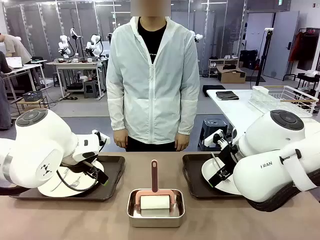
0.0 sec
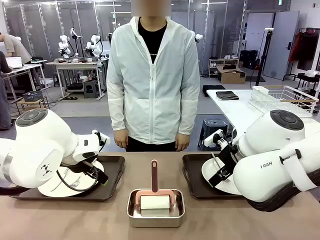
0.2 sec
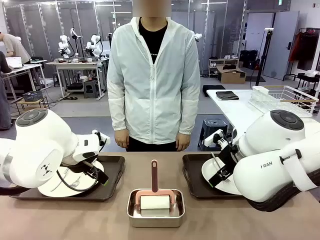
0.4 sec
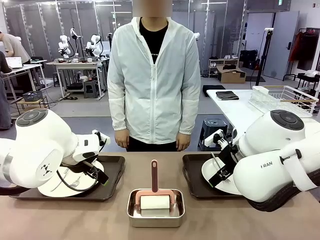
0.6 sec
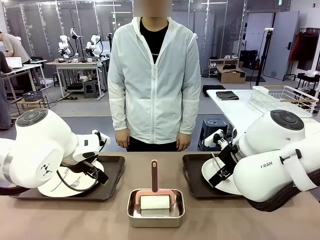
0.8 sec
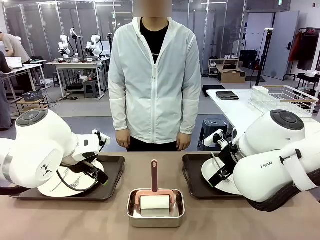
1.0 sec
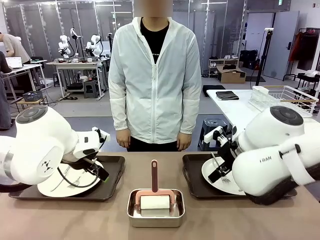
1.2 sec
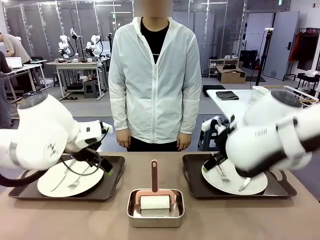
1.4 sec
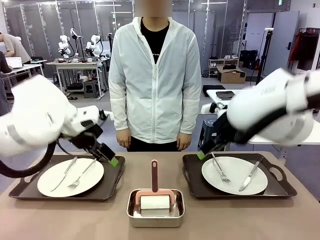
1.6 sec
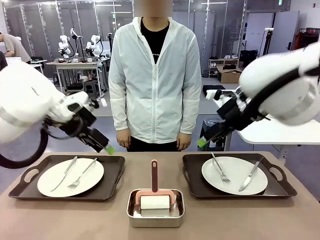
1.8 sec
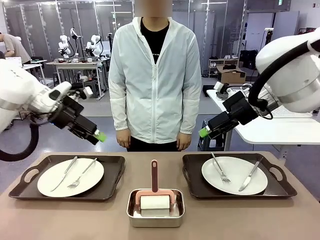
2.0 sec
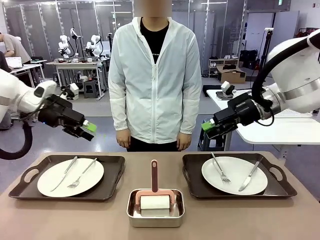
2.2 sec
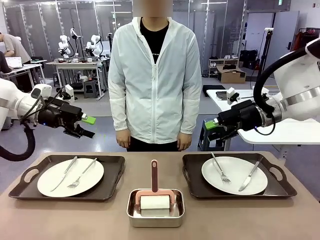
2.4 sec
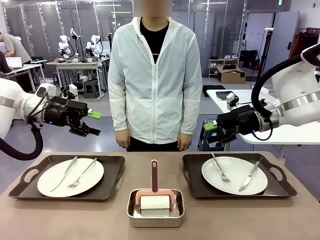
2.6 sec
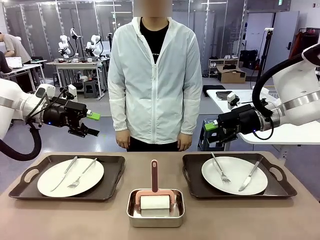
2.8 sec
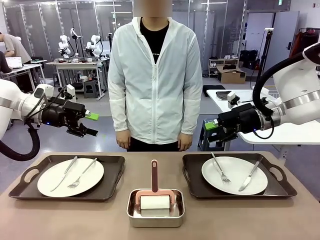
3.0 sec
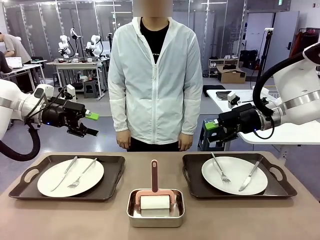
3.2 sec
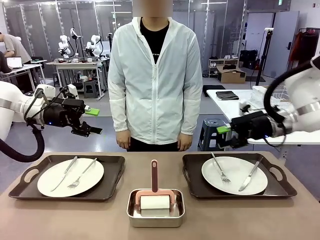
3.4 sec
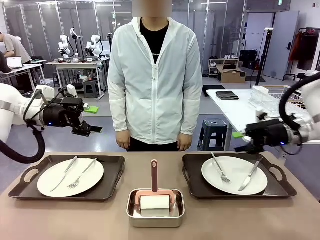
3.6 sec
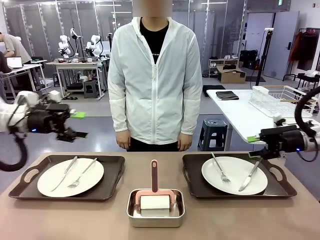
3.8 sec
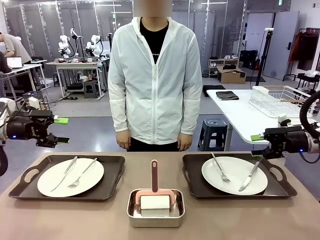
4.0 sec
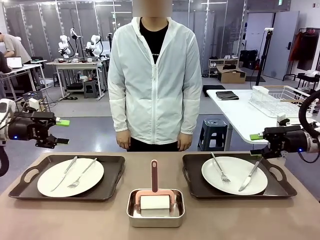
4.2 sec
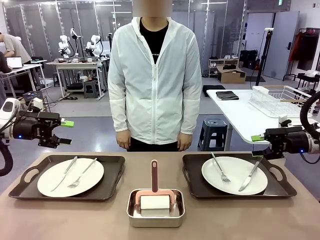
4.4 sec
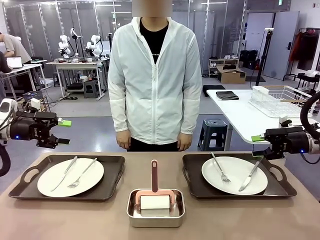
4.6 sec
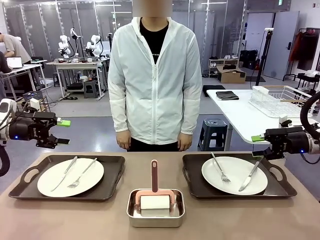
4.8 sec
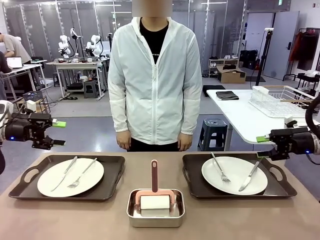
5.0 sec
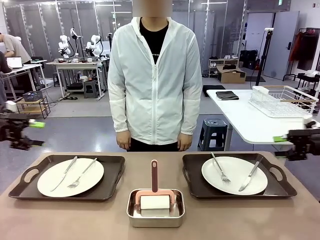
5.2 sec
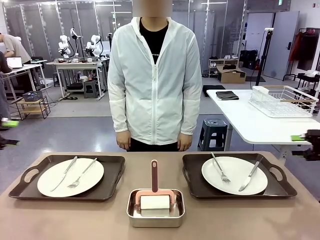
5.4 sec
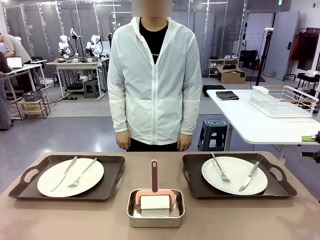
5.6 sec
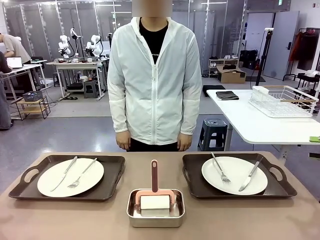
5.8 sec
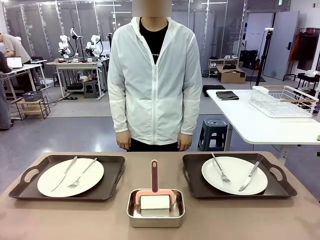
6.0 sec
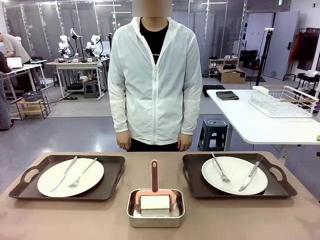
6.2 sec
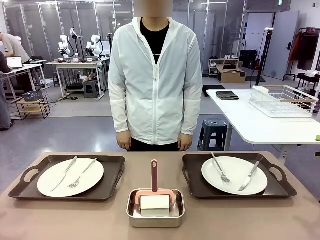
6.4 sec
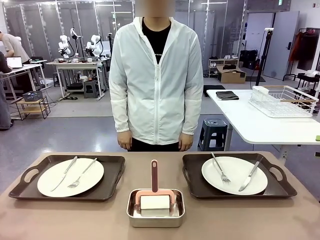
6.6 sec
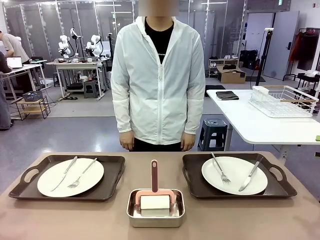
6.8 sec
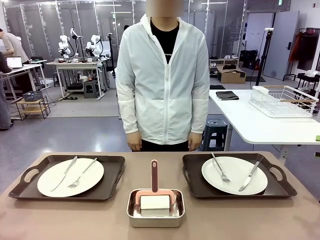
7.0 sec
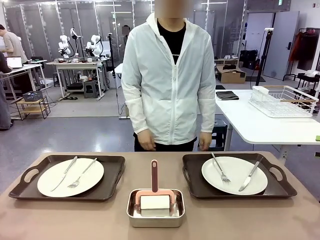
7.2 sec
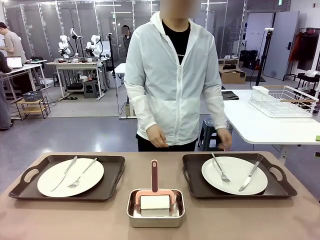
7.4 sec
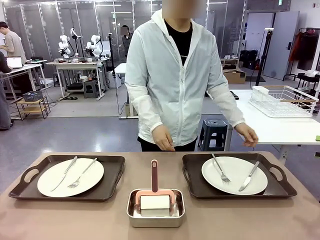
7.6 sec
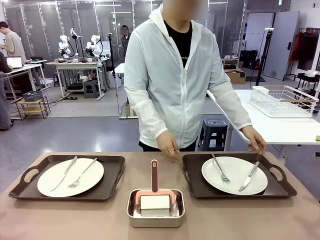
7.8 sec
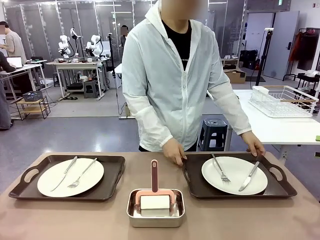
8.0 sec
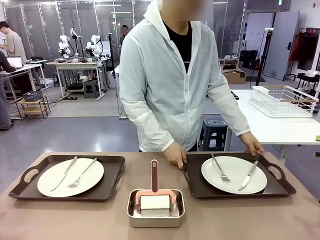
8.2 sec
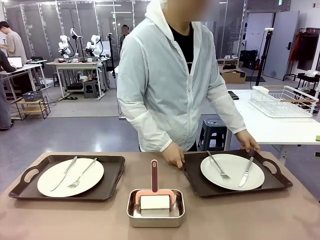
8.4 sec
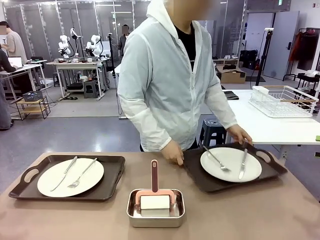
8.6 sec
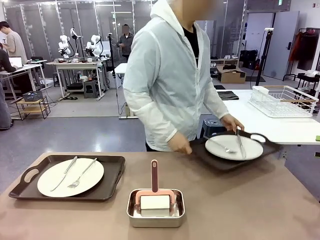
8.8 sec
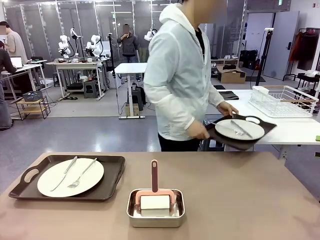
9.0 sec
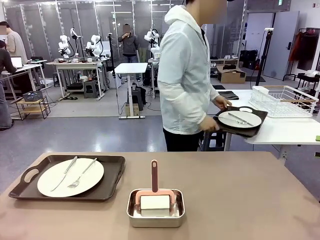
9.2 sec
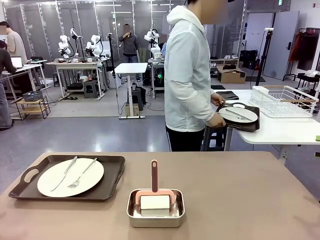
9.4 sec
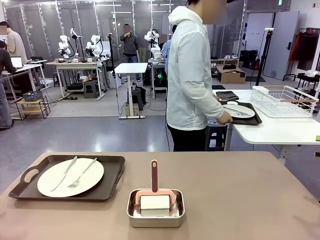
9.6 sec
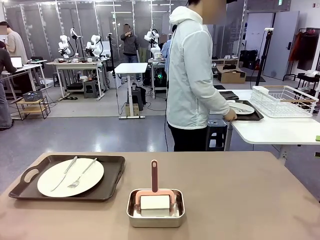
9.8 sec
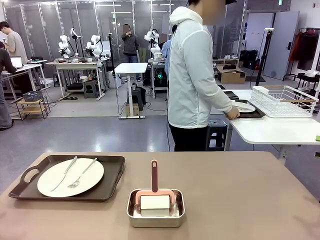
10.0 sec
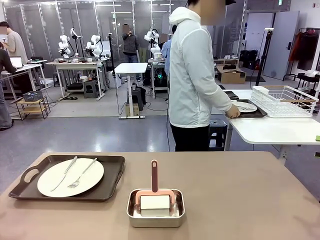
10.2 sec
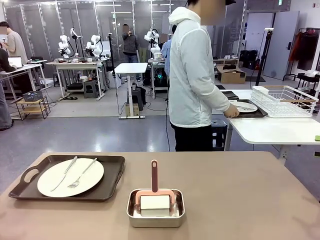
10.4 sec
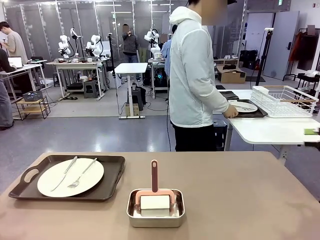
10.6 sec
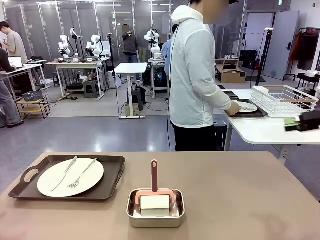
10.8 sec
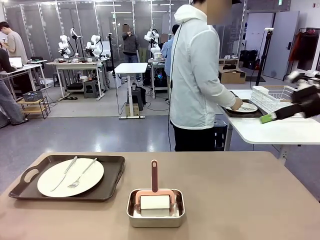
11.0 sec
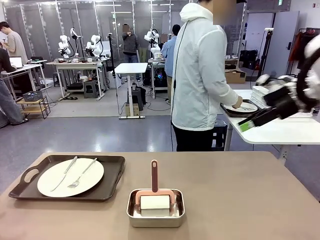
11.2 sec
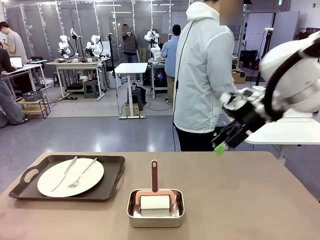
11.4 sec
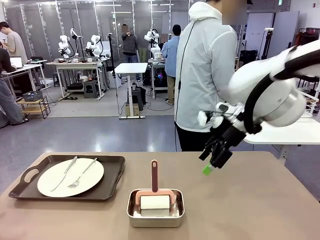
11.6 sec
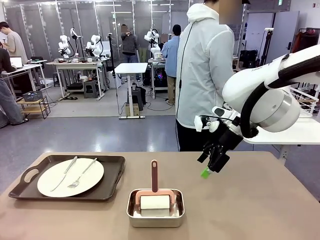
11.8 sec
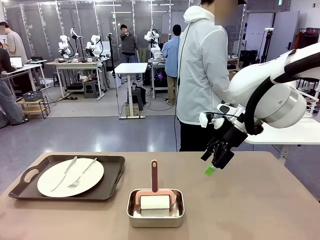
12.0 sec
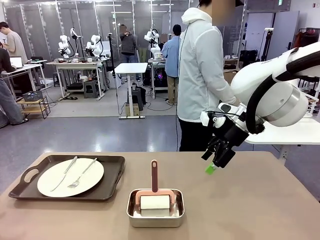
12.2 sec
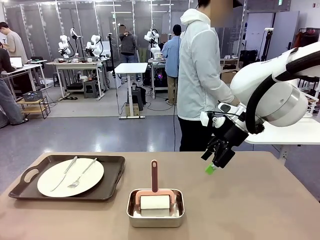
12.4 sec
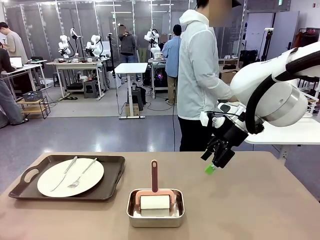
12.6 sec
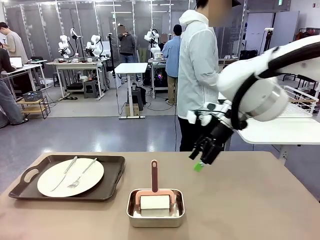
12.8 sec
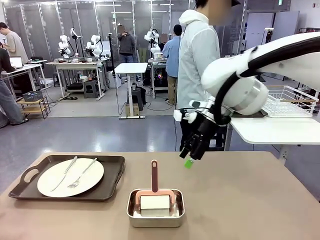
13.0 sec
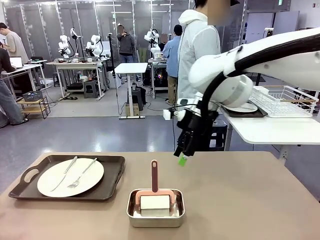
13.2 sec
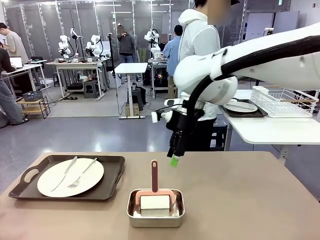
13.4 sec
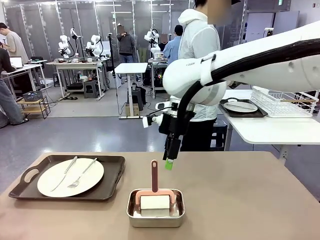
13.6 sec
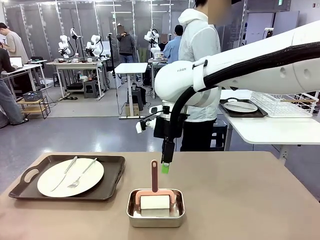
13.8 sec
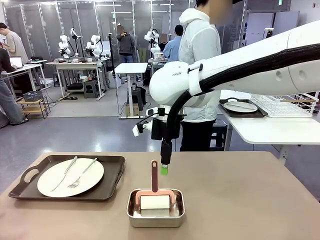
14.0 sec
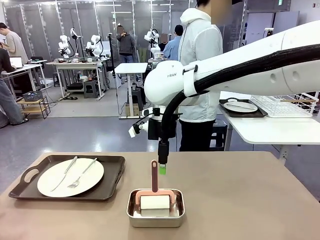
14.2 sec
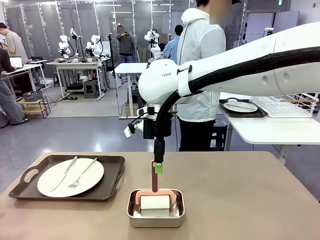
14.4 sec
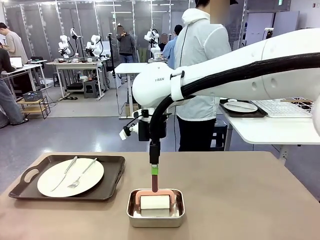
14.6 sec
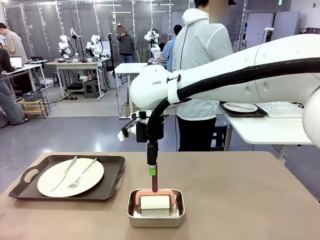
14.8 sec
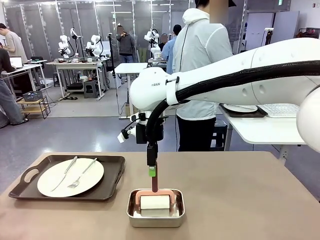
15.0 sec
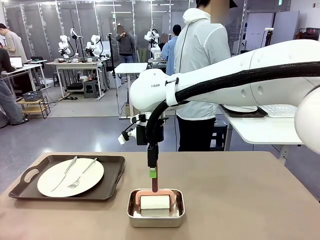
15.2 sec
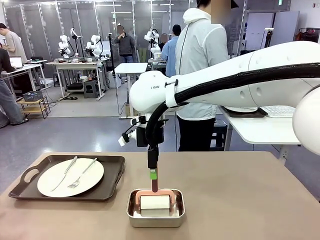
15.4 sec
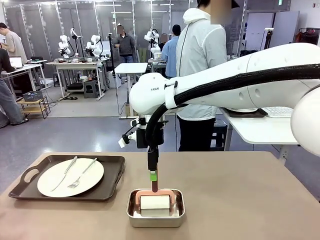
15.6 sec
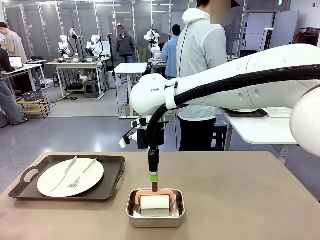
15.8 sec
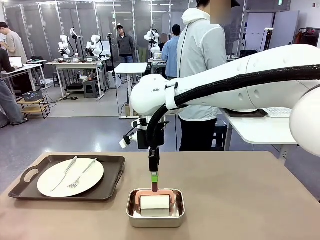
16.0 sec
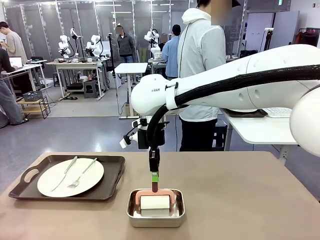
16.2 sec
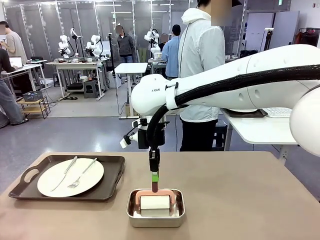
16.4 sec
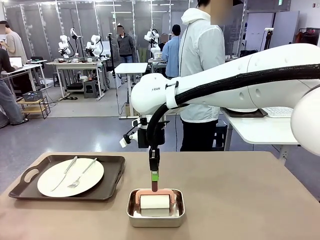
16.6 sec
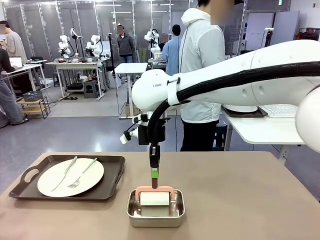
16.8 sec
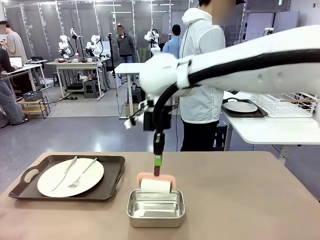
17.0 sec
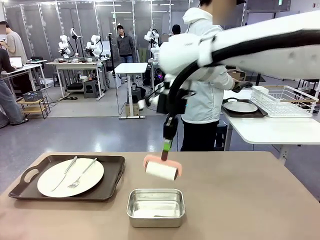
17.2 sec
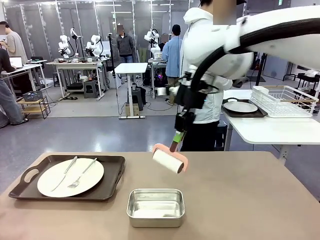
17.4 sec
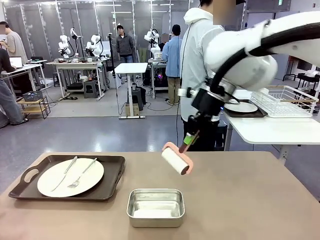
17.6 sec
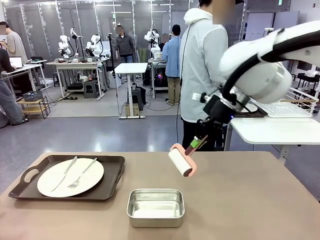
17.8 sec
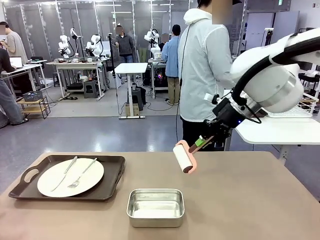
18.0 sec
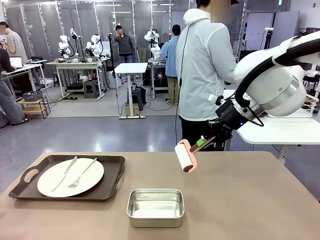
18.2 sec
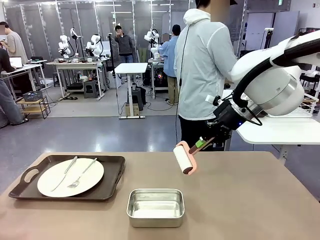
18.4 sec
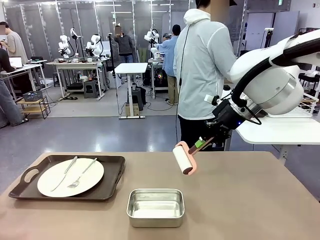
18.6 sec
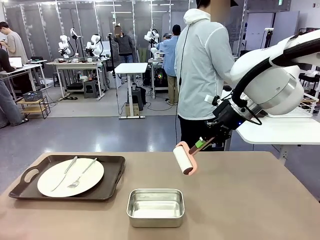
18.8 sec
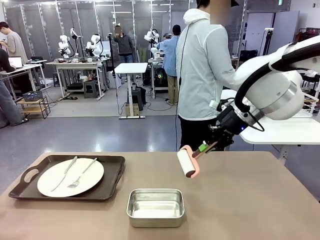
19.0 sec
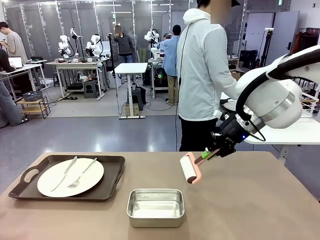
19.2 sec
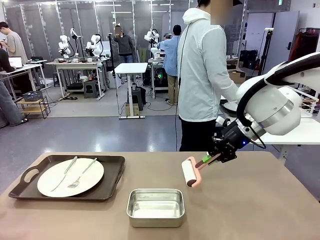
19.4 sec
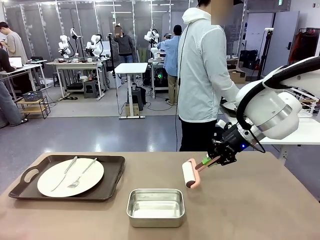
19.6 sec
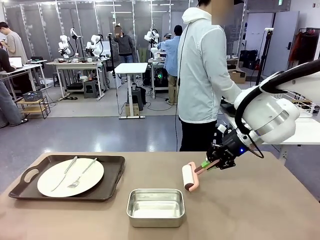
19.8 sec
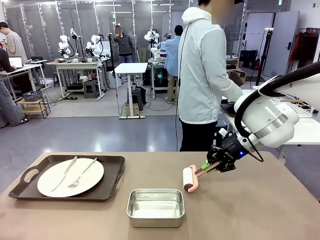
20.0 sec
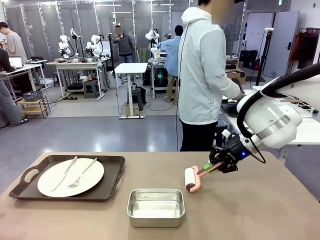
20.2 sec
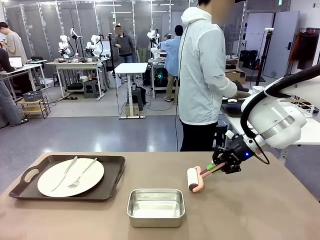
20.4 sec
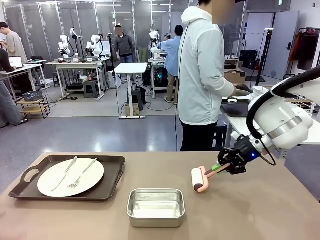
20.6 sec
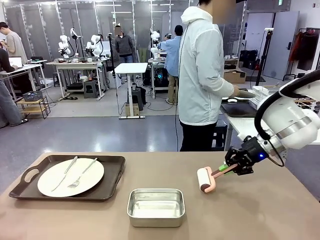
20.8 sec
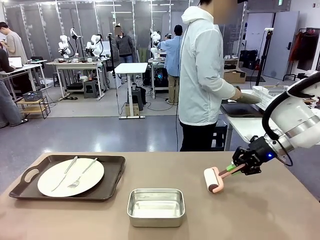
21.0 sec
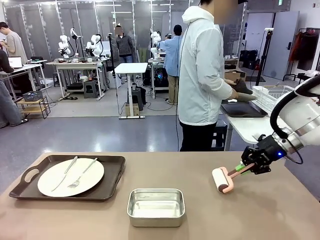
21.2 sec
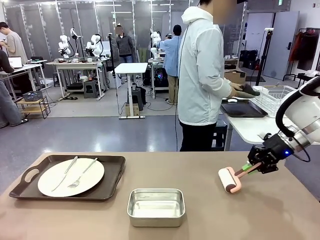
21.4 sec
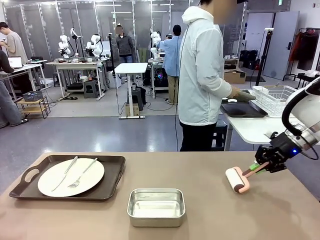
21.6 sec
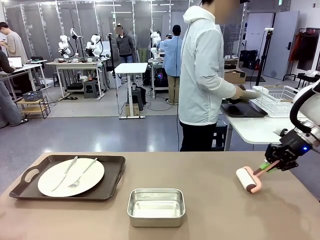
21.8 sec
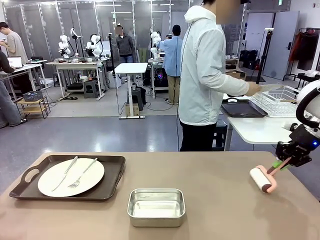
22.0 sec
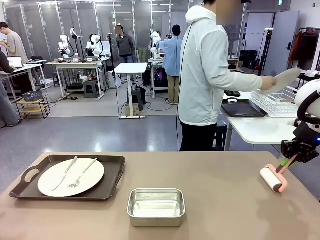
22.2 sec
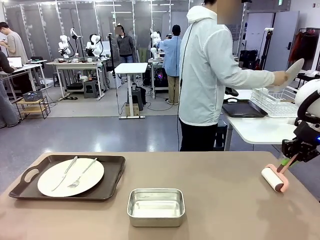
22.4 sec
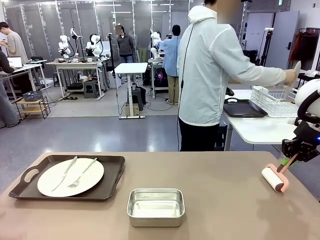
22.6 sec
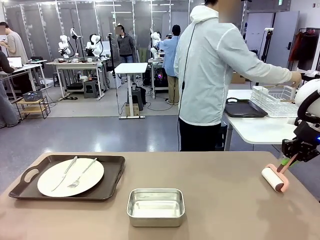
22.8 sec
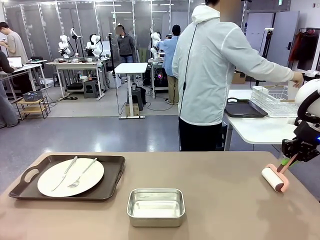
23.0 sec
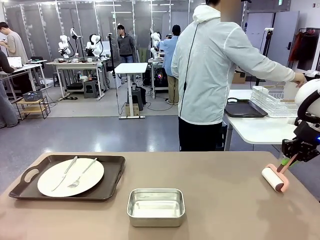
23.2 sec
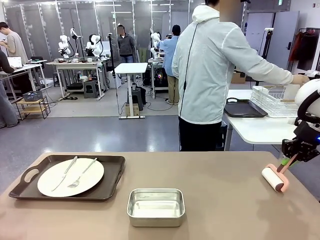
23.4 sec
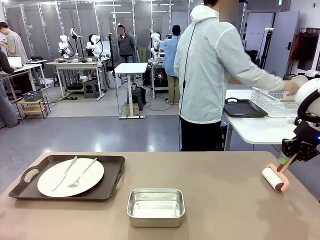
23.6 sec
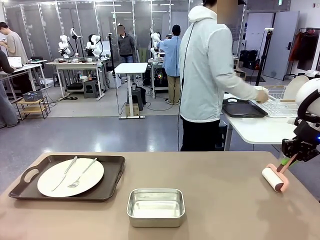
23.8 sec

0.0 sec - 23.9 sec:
Robot: When the left (or right) Handle tray is removed, use the left hand (or right hand) to clean the left (or right) side of the table with the Lint Roller.
Person: Pick up the left (or right) Handle tray and place it on the middle of the Human's table. Use the Towel with hook to wipe the Plastic Matte Plate , Fork , and Knife and place into the Dish drying rack.
